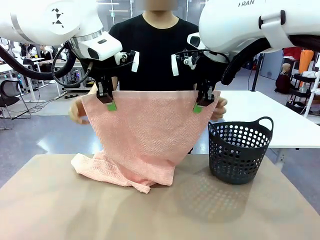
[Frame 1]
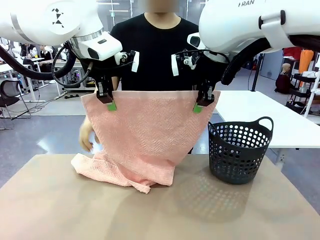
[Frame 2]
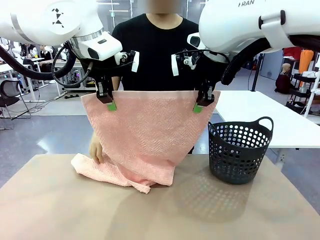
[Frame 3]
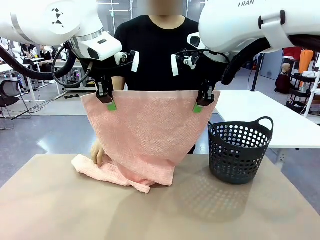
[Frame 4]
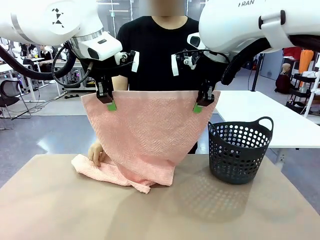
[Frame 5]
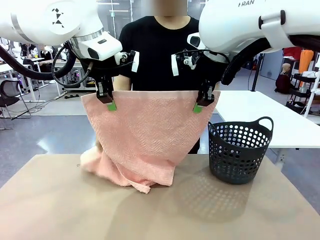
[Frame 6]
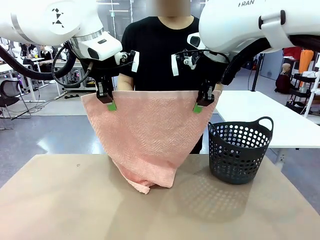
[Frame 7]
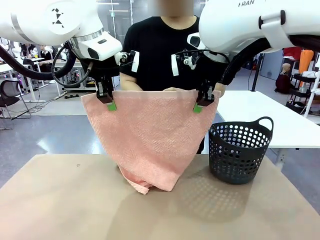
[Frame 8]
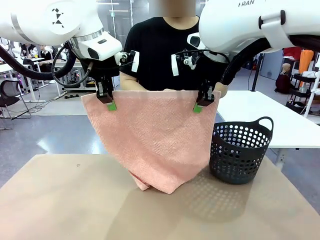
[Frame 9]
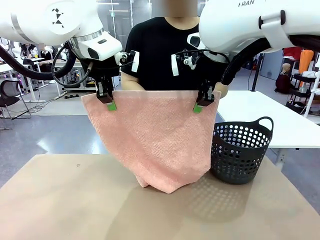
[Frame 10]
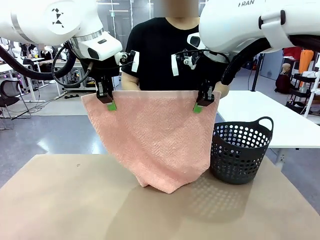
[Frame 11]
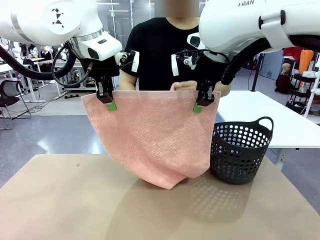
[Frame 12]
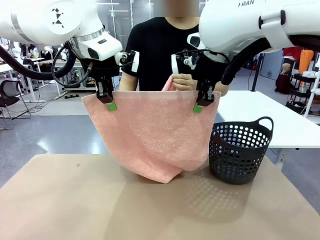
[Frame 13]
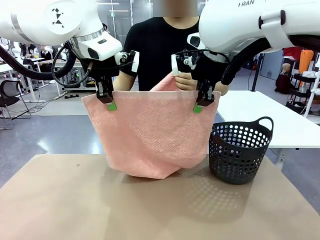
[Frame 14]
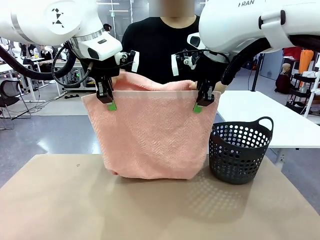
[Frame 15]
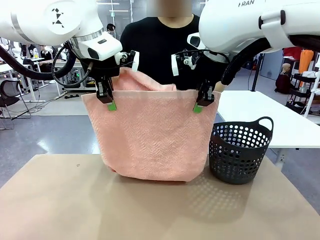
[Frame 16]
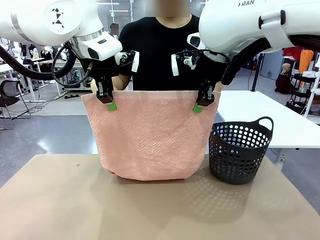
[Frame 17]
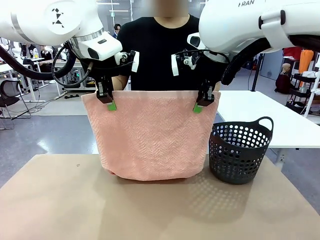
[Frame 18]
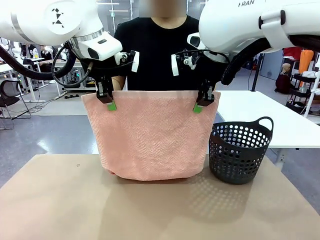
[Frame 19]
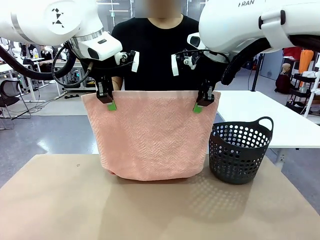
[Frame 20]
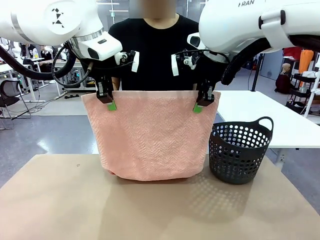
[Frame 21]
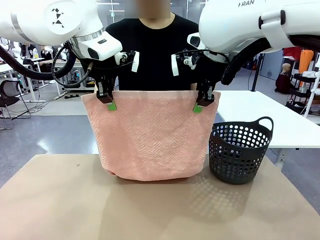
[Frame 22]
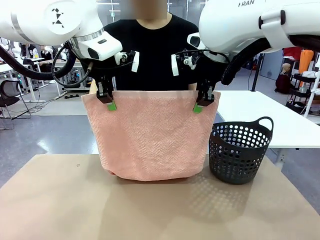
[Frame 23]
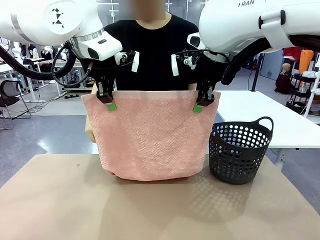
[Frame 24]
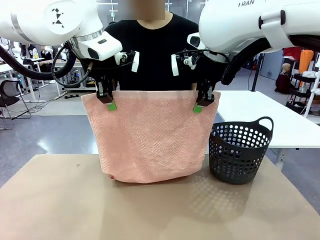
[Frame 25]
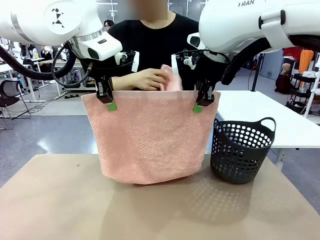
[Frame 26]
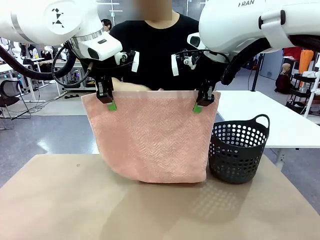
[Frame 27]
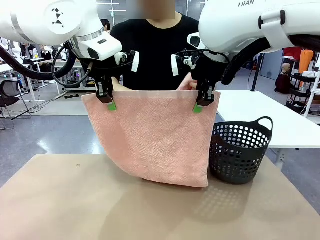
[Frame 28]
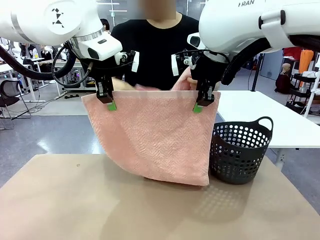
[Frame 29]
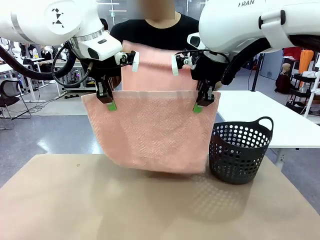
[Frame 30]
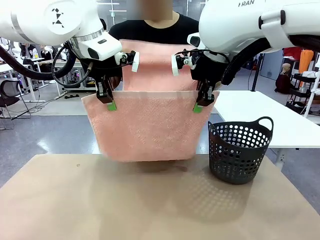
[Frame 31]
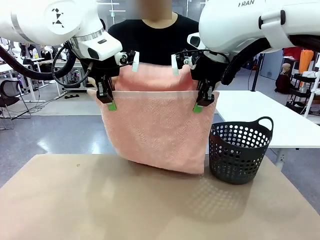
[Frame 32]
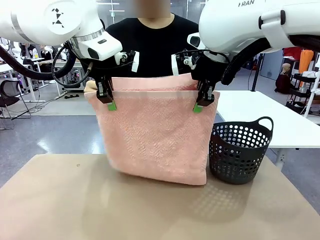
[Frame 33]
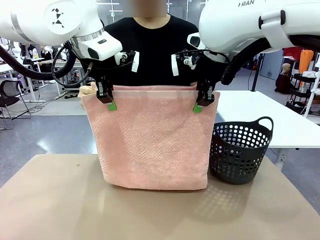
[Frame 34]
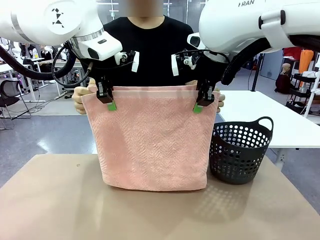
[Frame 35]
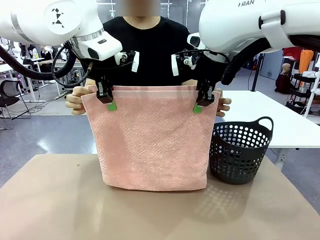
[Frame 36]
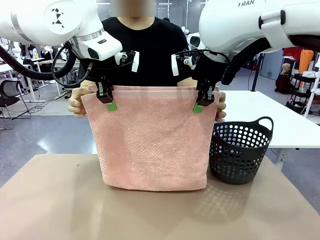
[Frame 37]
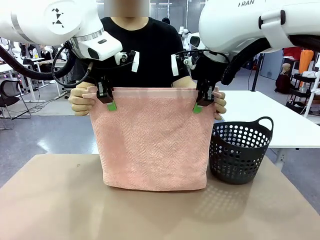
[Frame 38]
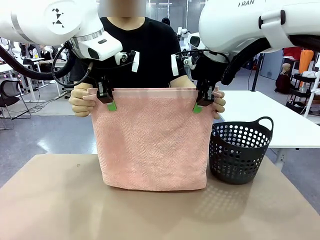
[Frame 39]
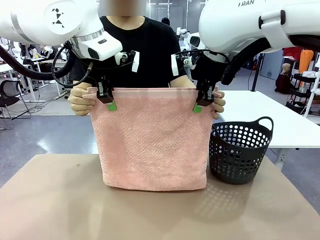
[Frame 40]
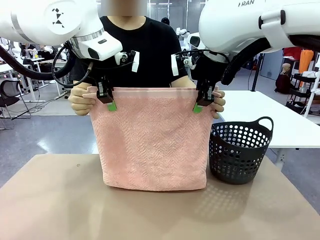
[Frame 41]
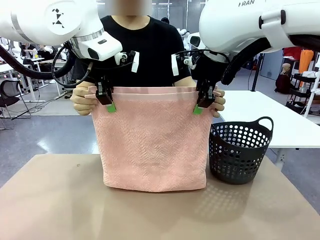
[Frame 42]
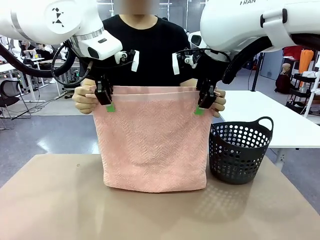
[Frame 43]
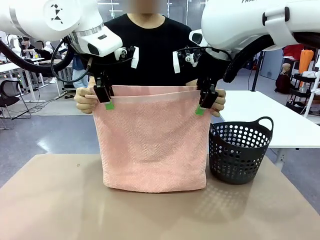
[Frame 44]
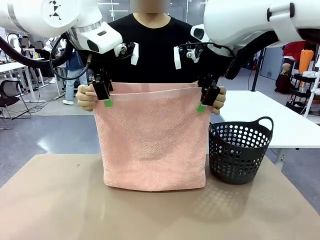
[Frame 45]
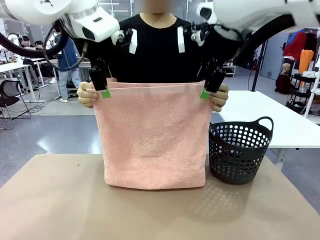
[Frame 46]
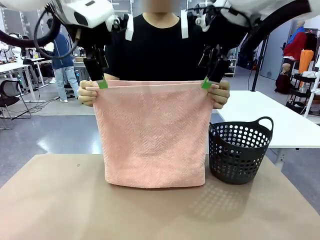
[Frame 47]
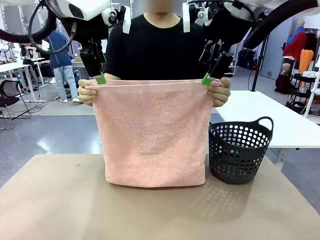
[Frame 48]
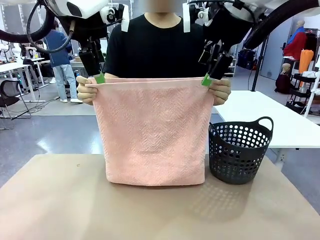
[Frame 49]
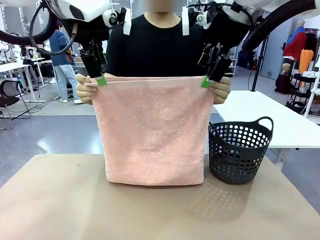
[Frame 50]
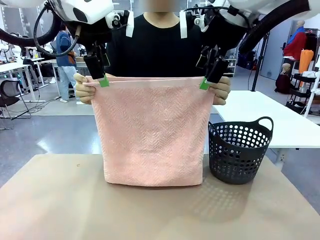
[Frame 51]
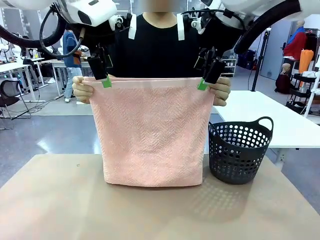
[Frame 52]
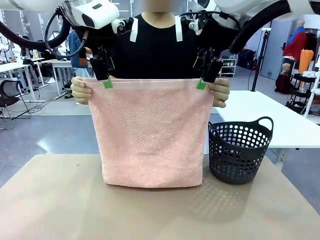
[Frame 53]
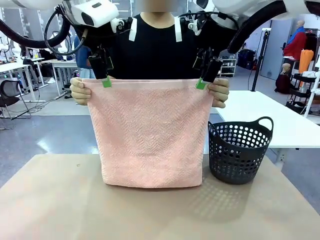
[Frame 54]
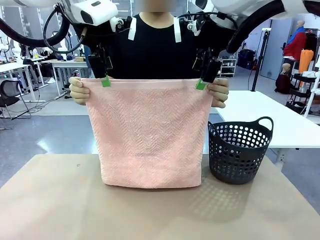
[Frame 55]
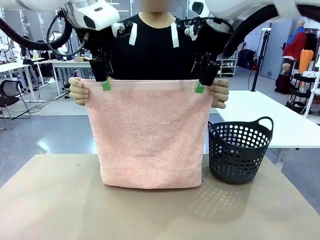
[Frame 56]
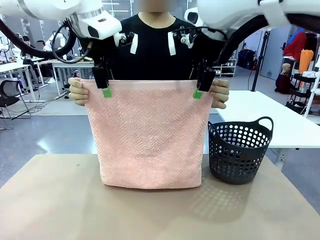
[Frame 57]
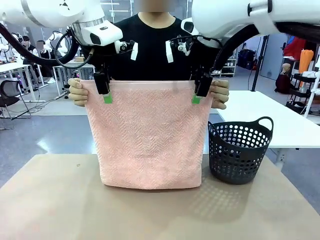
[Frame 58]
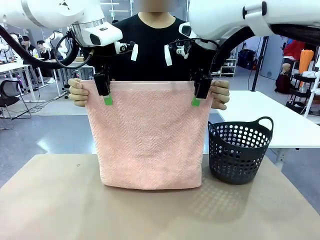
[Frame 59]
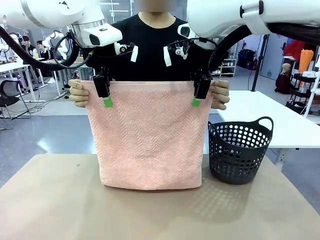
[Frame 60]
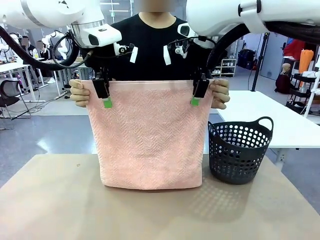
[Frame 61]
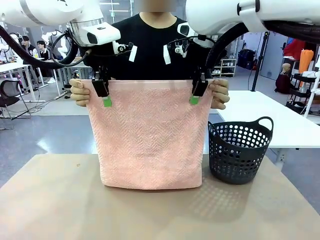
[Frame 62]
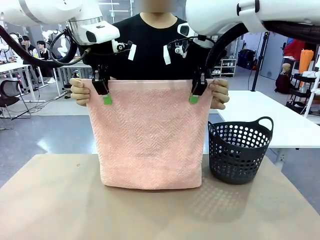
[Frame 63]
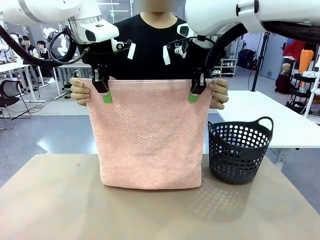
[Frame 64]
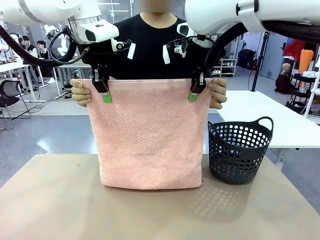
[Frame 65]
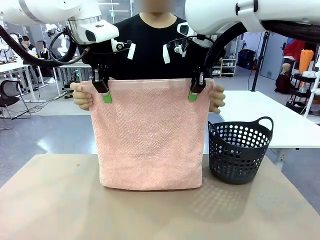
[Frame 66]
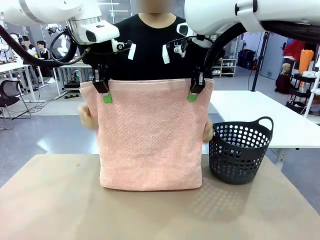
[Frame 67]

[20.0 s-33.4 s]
Task: Fold the towel.
Robot: Release the end of the 100 cm Hotel Towel you were holding and grab the top end of the folded side.
Person: Using the point held by the robot as a reference, grasp the opposite end, fold the towel in half, and then hold both ends of the folded towel.

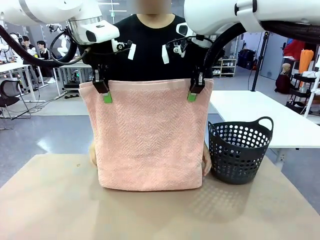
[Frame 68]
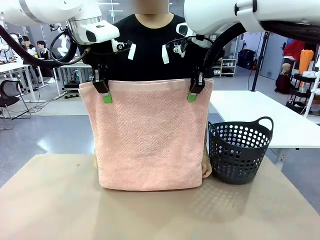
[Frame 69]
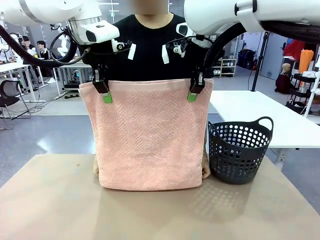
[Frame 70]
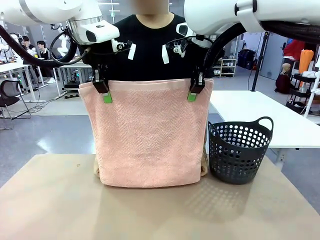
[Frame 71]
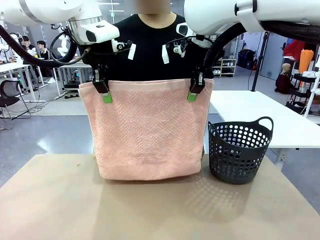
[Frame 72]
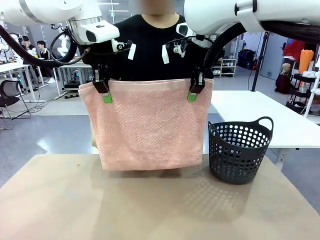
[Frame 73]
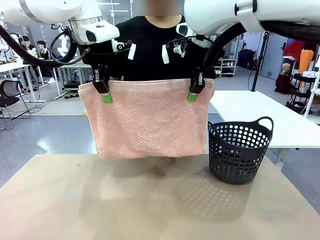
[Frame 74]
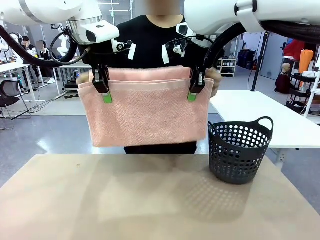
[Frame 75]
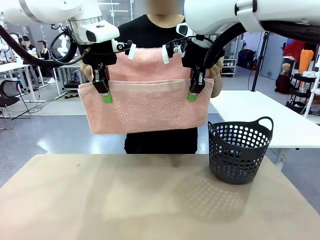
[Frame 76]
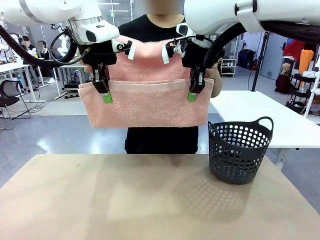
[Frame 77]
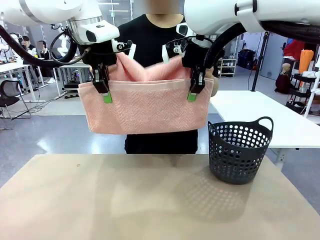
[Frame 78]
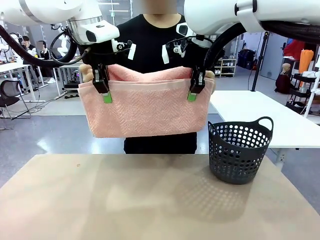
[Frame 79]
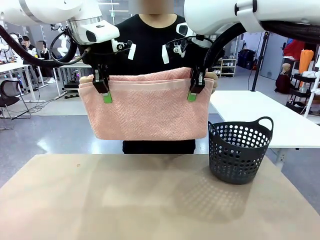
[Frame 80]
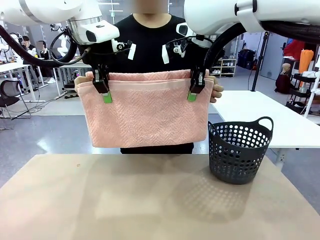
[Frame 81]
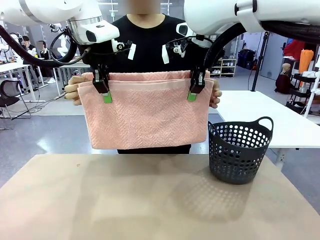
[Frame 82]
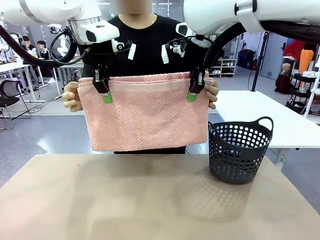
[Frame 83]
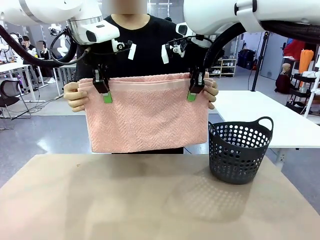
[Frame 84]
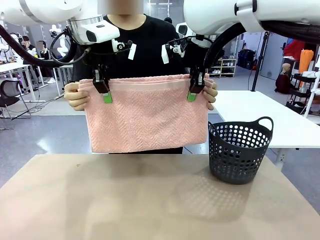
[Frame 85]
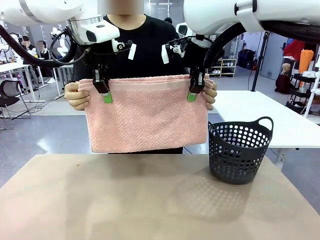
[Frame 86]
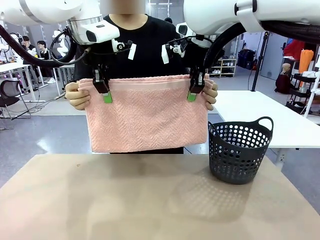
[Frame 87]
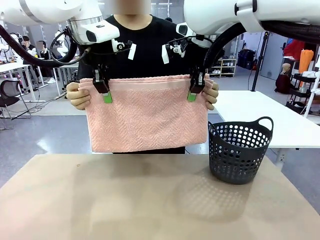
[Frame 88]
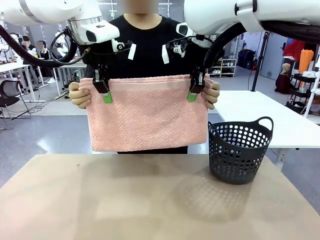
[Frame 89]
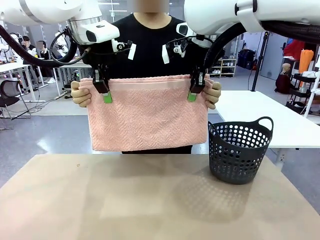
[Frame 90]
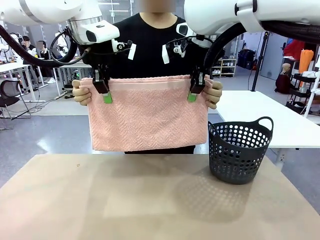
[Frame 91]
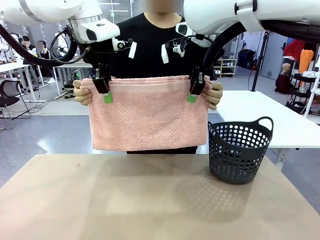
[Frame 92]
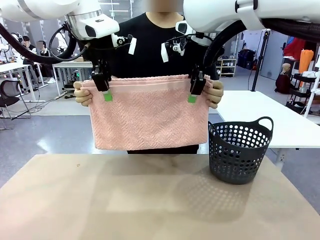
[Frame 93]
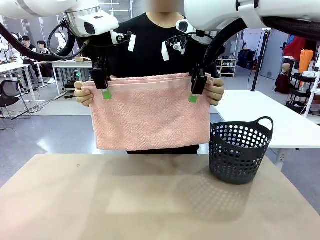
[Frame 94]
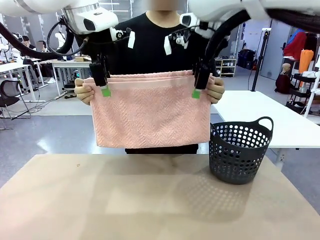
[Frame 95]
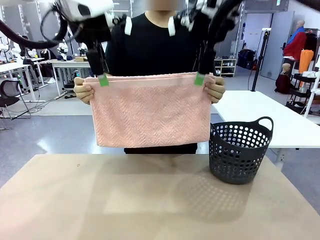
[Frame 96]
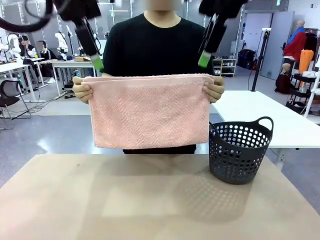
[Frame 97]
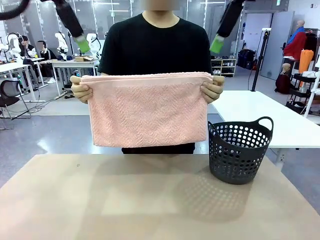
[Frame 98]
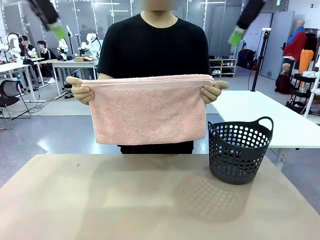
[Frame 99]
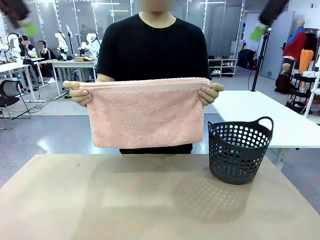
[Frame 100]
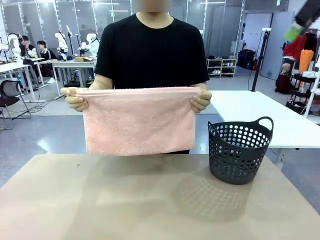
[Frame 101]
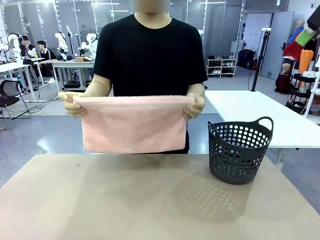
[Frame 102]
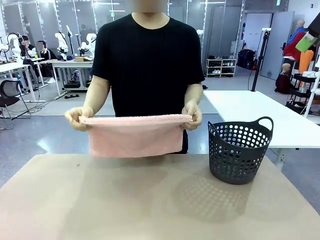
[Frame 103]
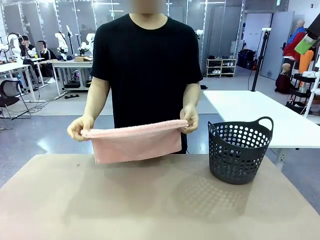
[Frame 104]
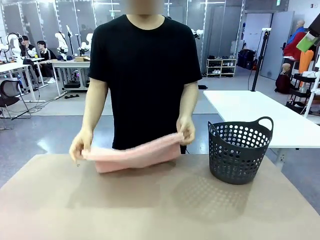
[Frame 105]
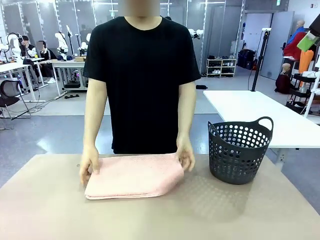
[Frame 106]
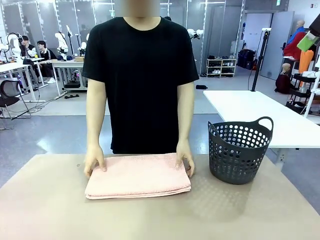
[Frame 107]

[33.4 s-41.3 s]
Robot: Release the end of the 100 cm Hotel Towel you were holding.
Person: Place the towel at the center of the robot table and fold it in half.
